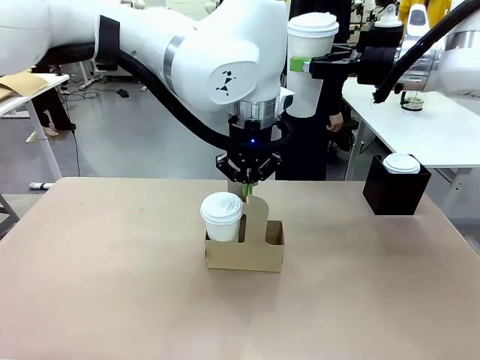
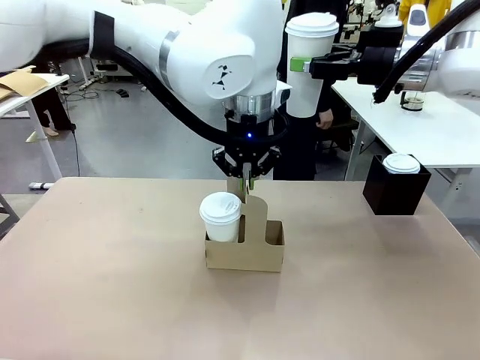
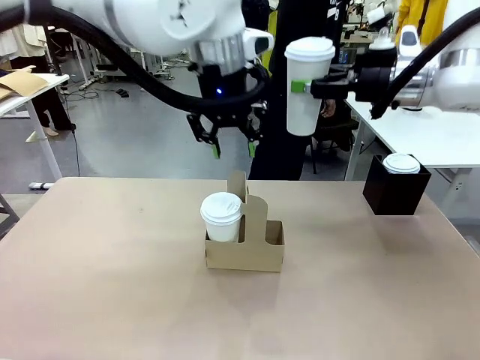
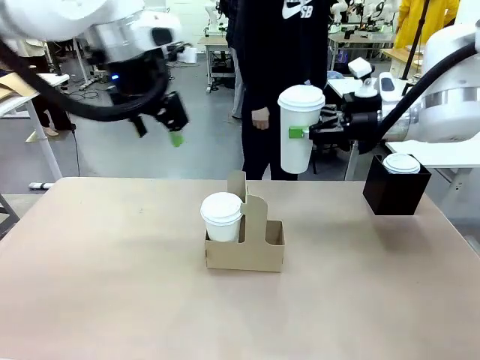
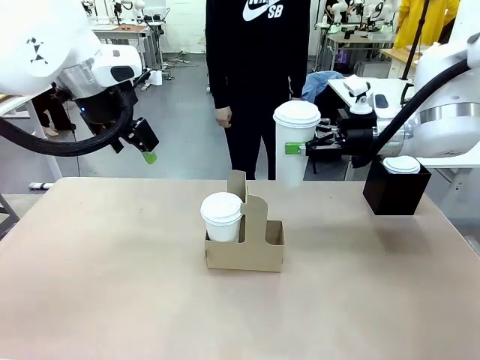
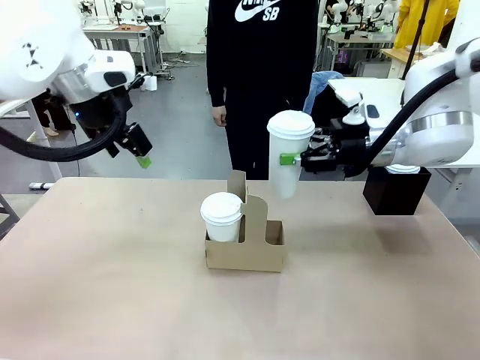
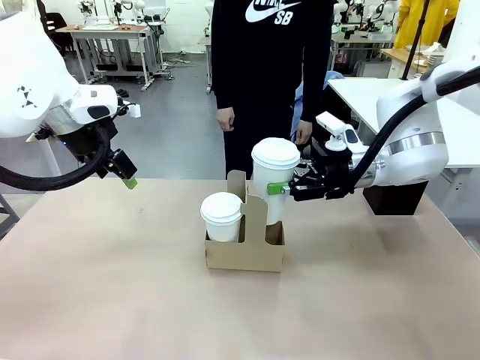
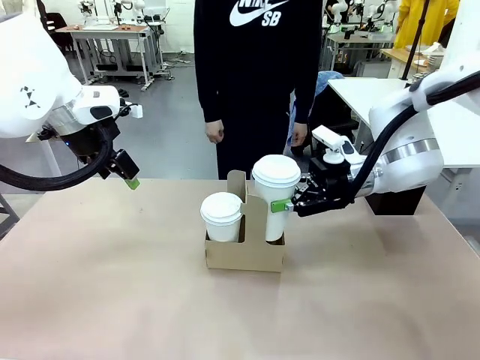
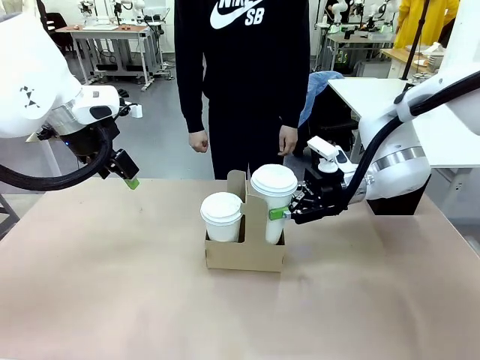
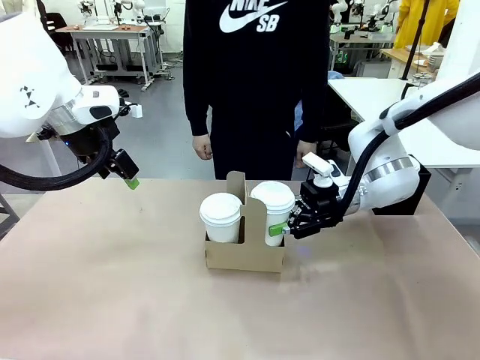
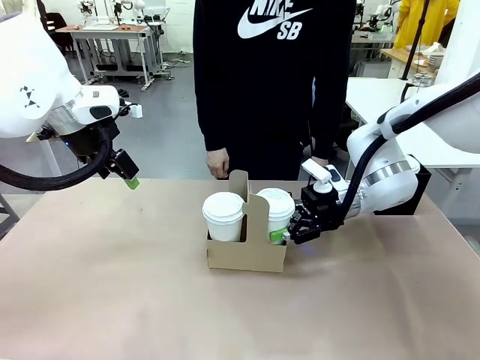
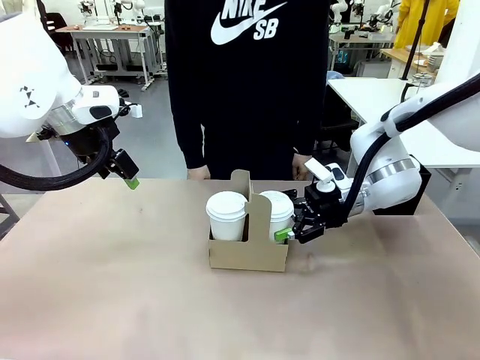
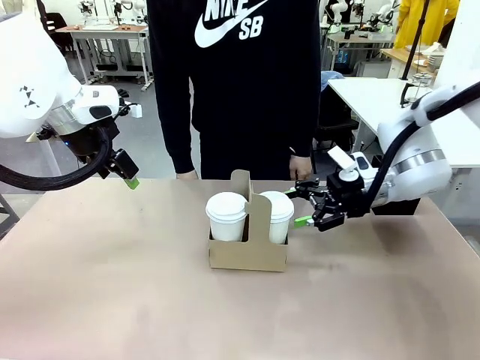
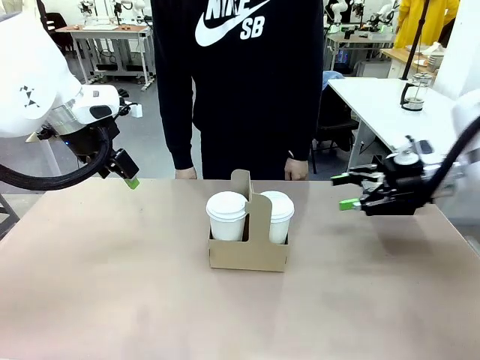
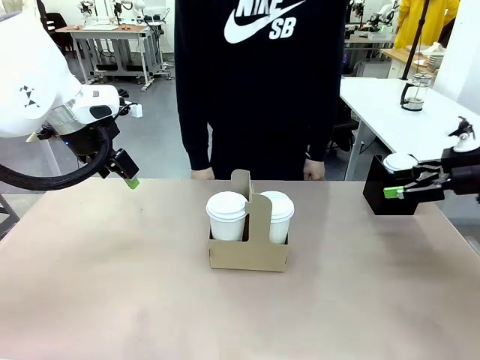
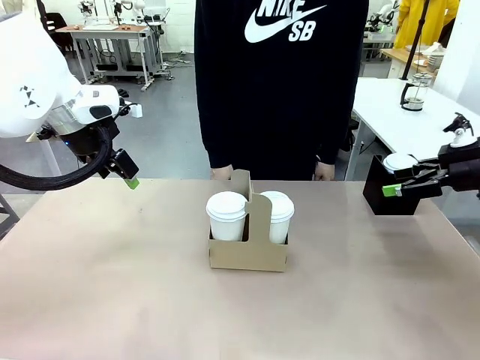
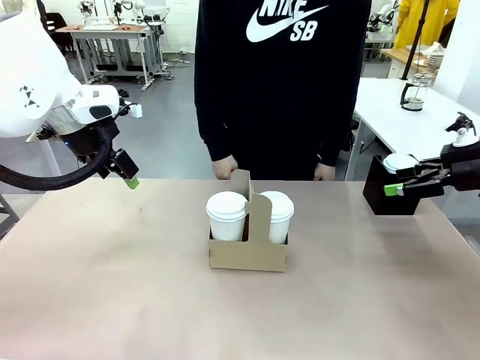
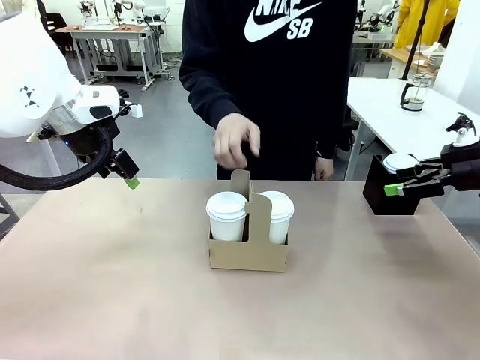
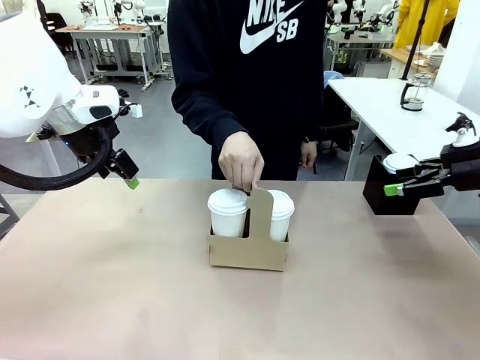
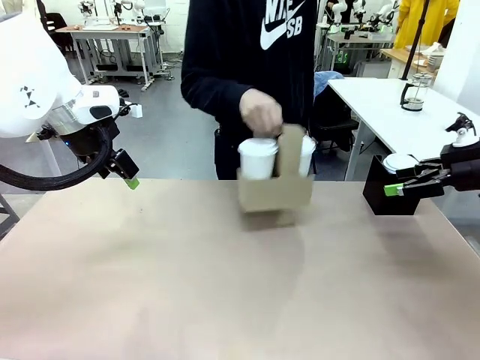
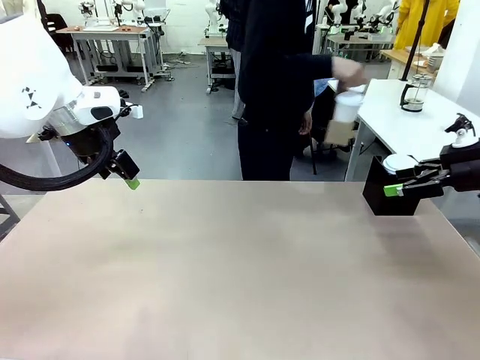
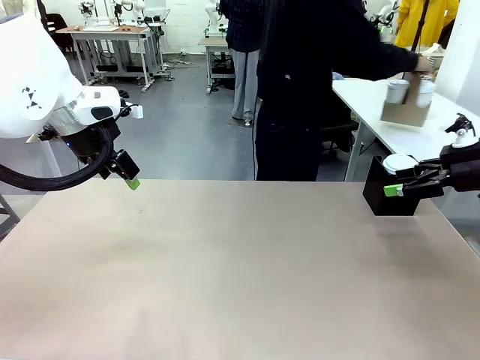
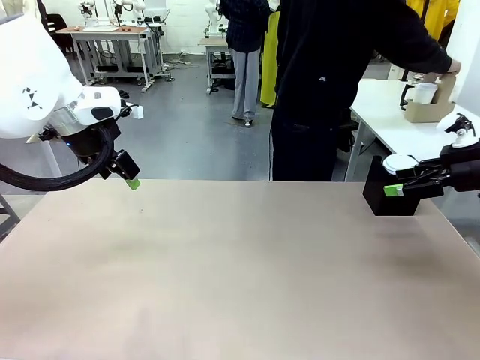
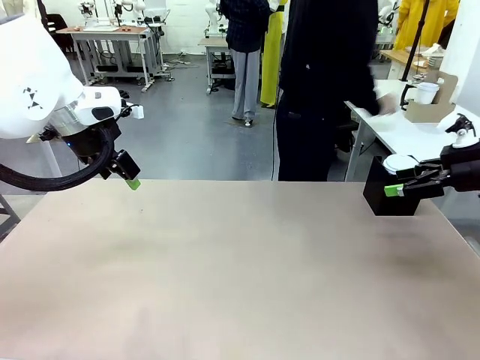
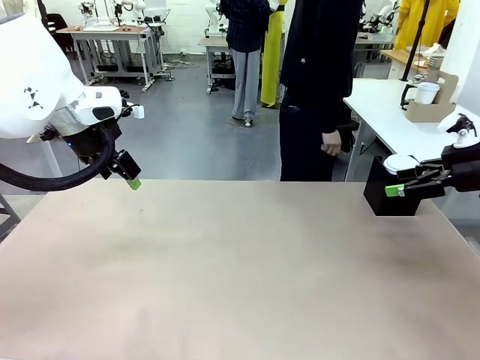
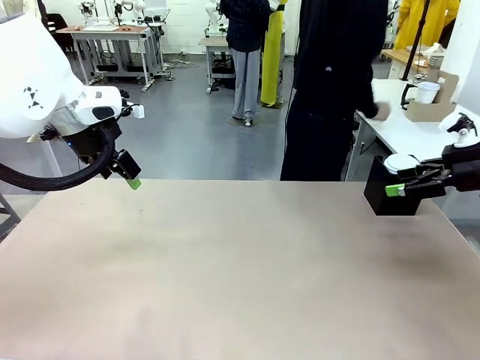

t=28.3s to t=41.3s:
Task: Pour a drink into a cup and package it in a carrier.
Robot: Insert the held 600 ml Paper Cup into the Cup Carrier.
Person: Place the Cup Carrier to the middle of Human table.

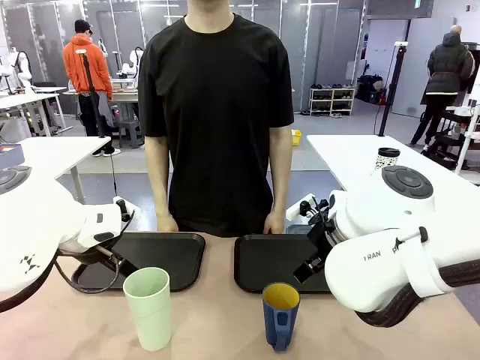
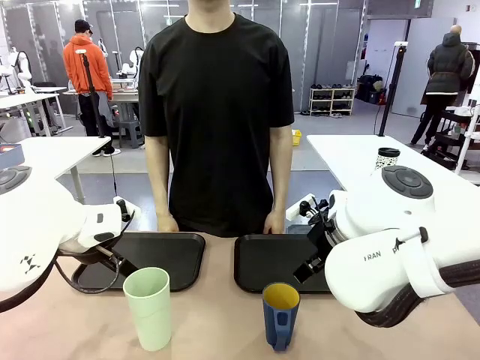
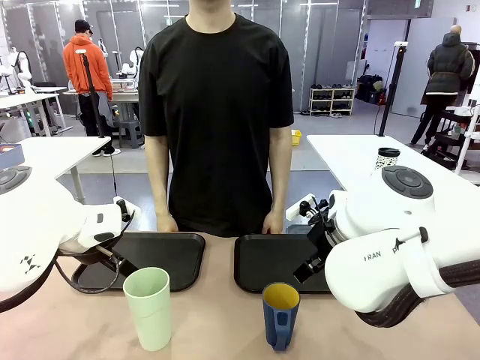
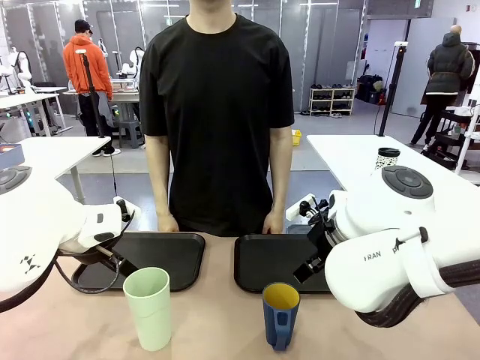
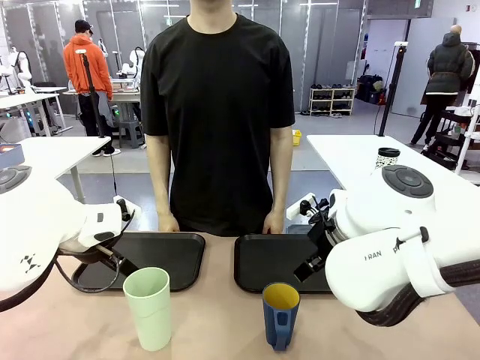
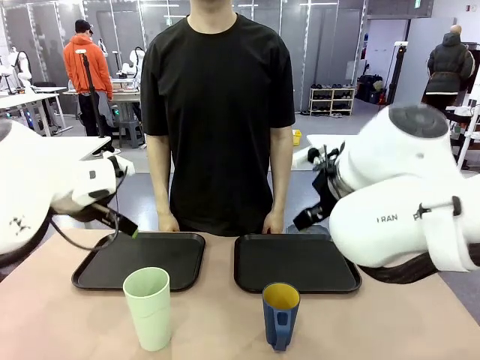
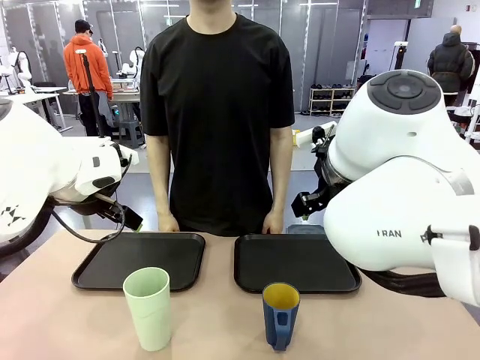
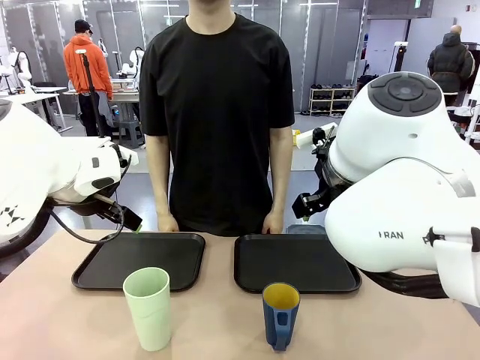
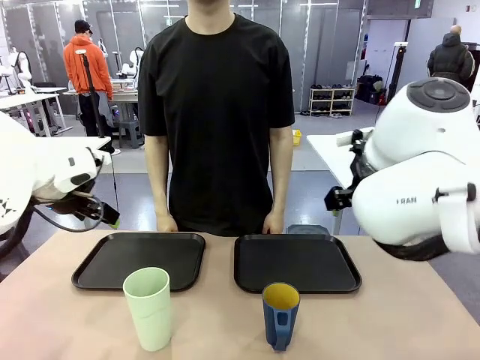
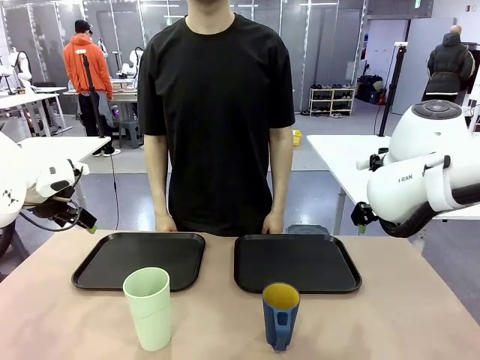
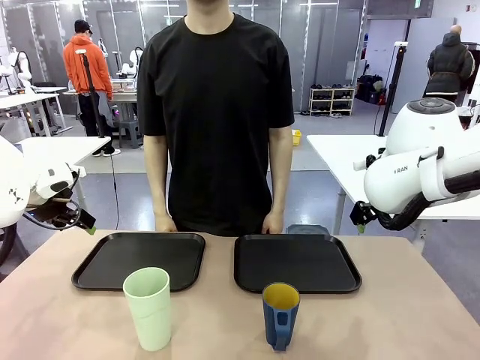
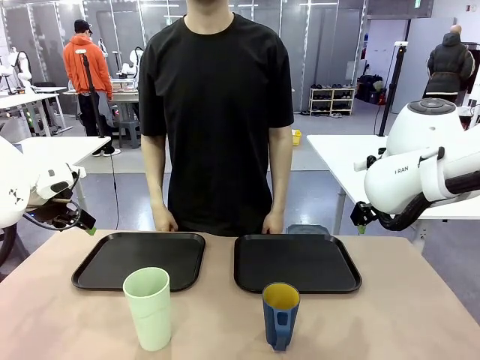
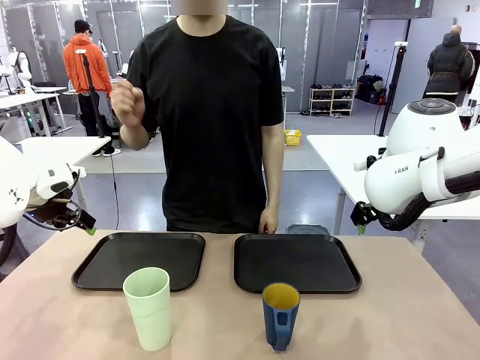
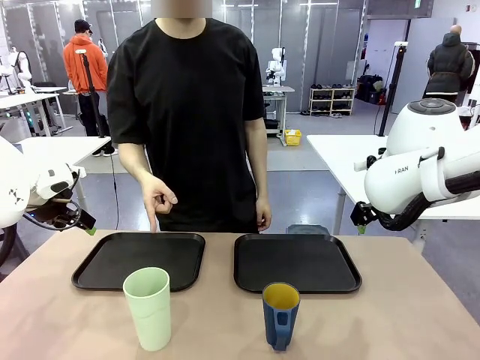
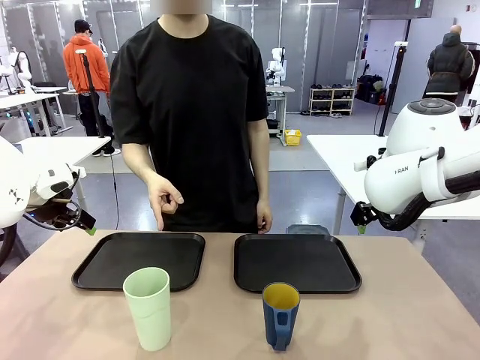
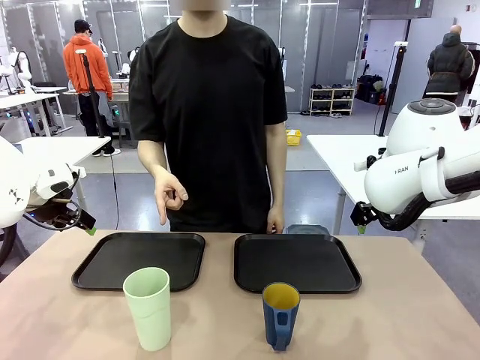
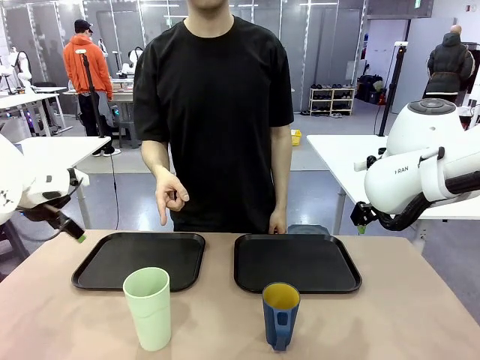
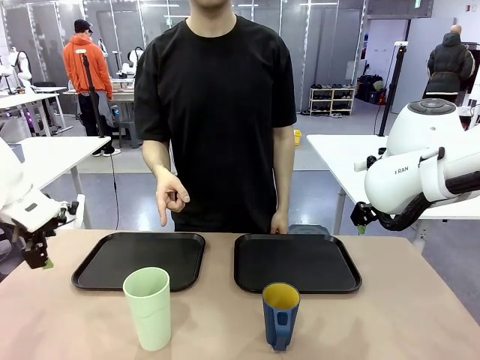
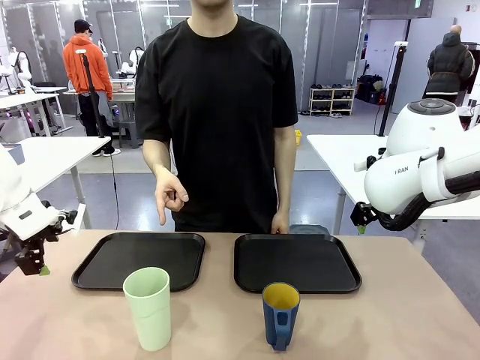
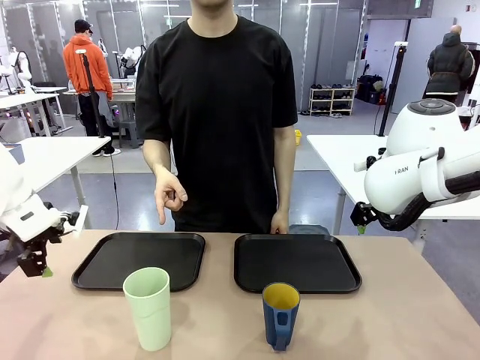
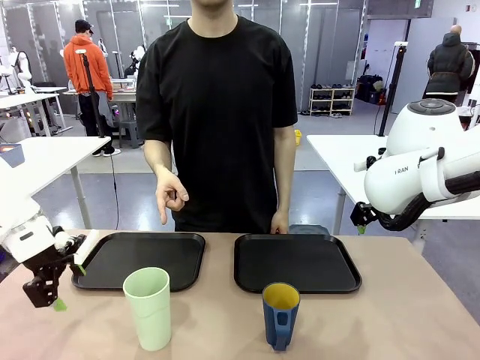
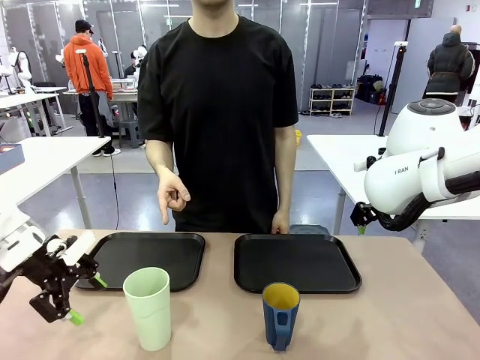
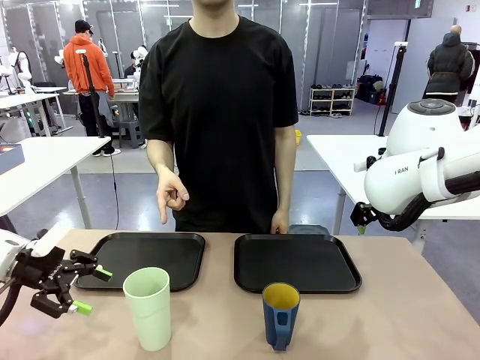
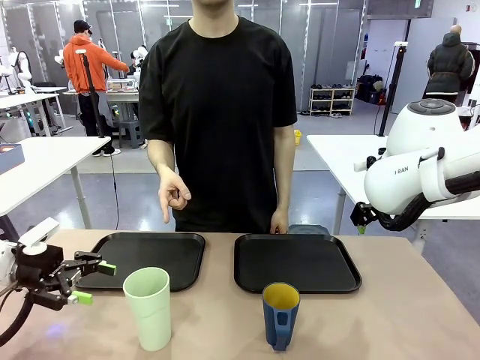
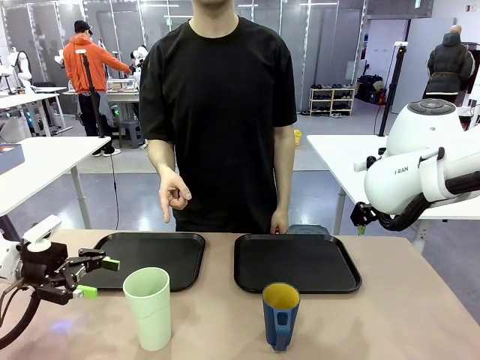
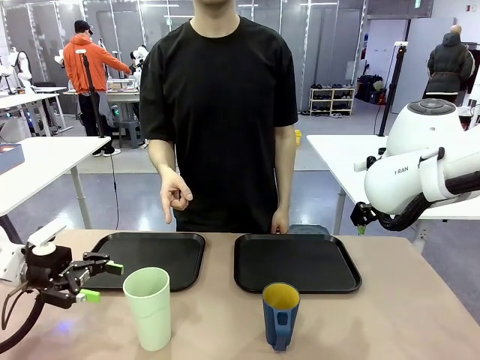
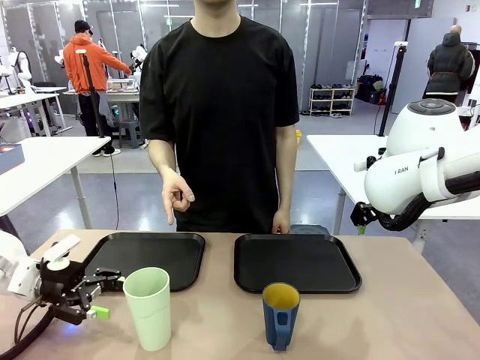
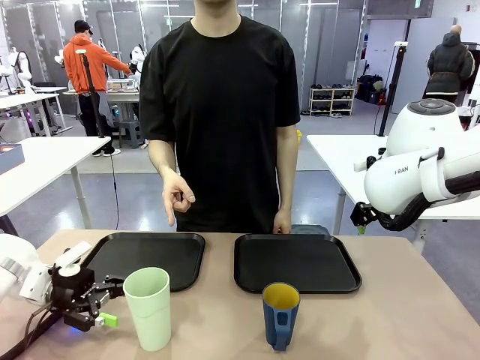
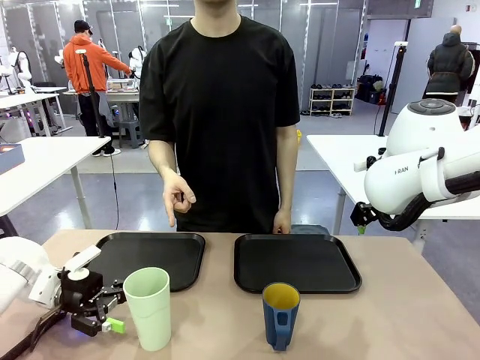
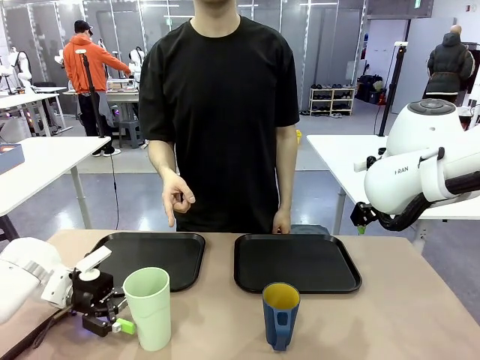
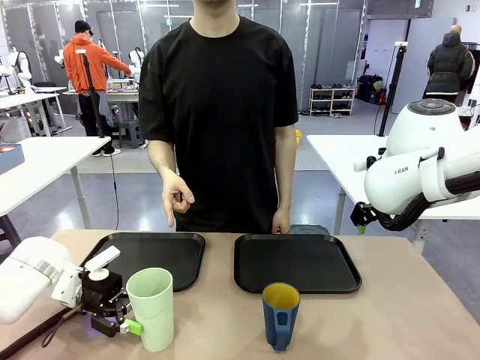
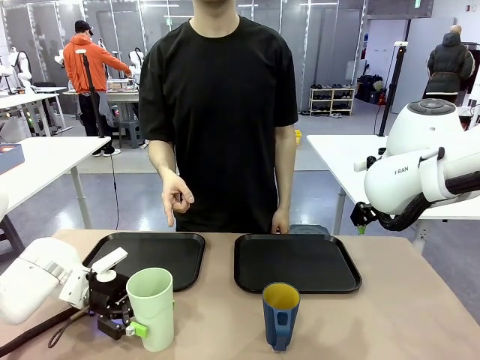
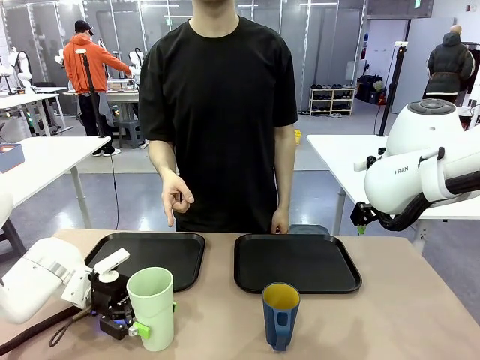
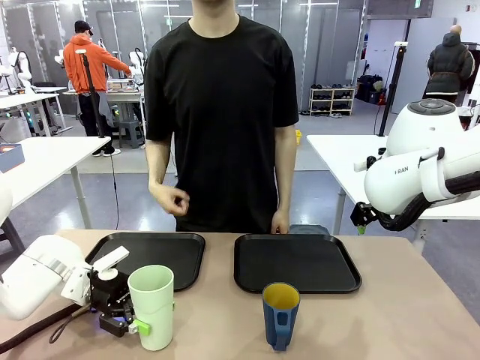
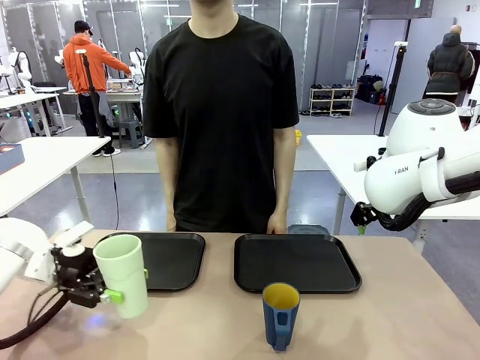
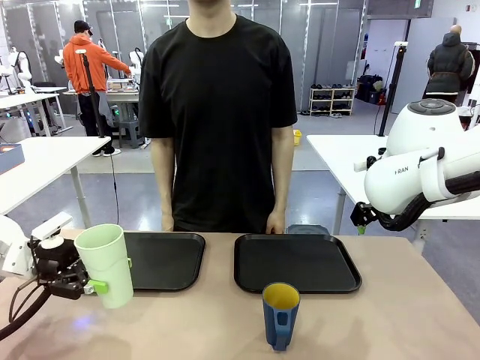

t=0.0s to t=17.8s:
Task: Sort and store the cups by type.
Robot: Pick up the Reusable plastic cup.
Person: Points to the reusable cup. Point to one of the two trays.
